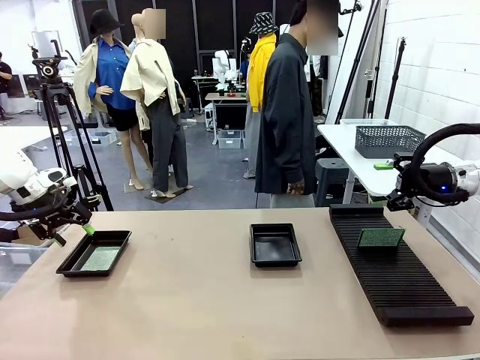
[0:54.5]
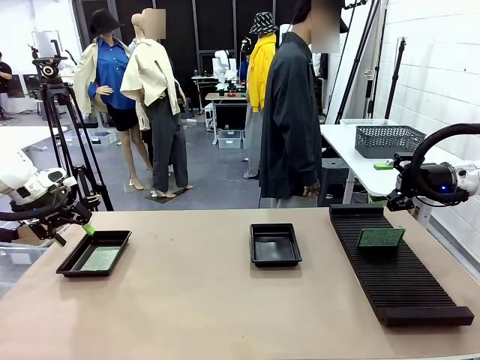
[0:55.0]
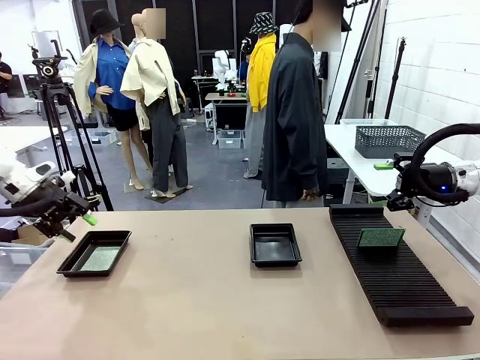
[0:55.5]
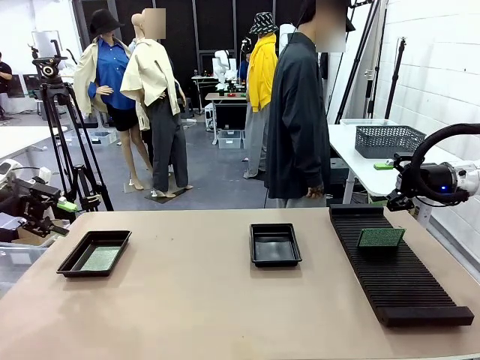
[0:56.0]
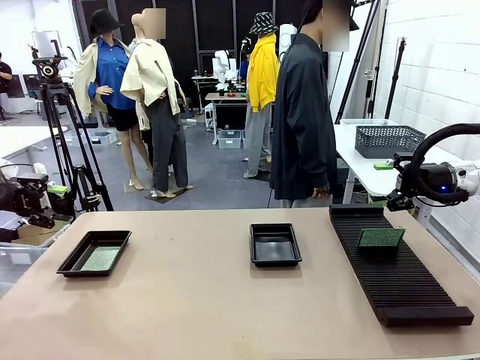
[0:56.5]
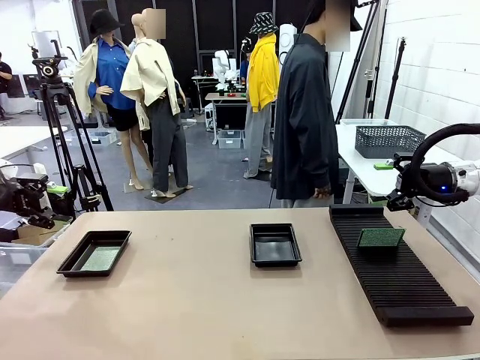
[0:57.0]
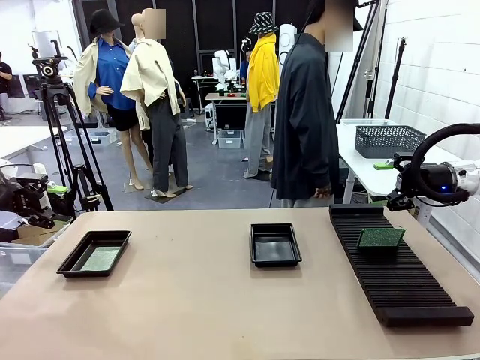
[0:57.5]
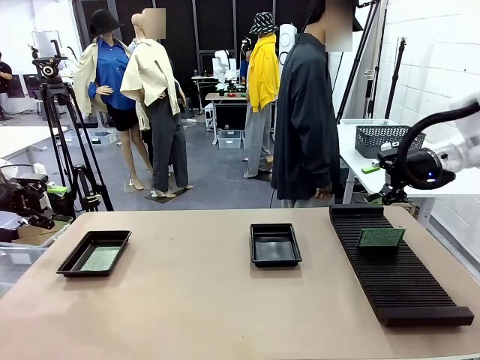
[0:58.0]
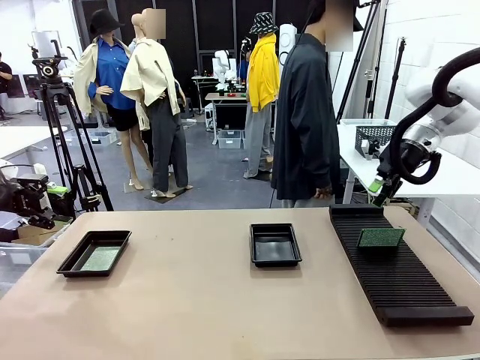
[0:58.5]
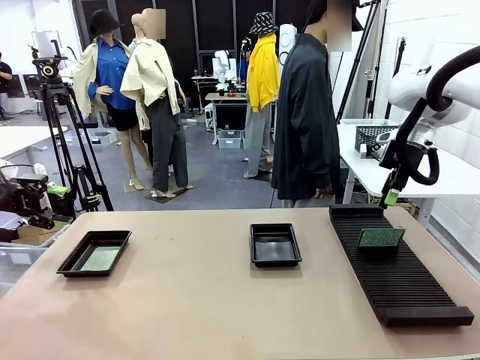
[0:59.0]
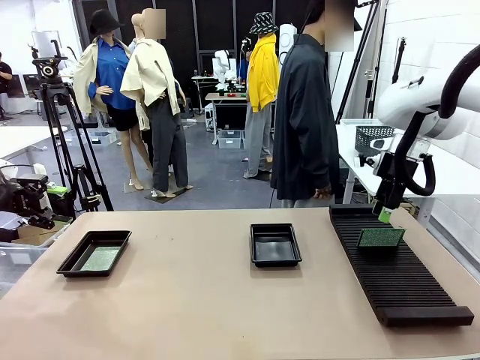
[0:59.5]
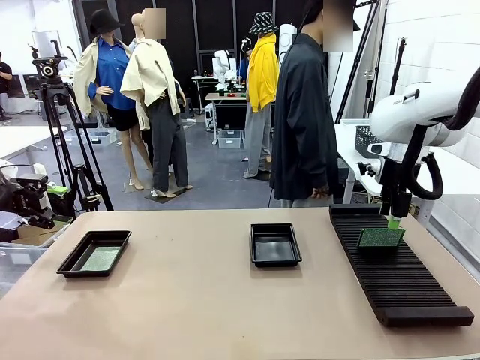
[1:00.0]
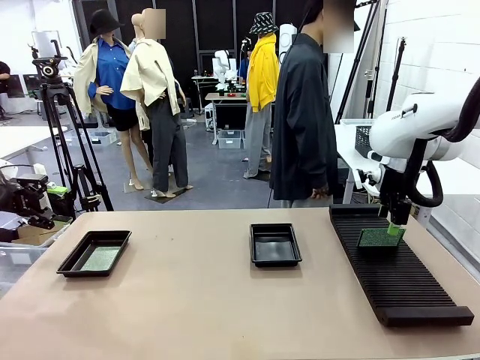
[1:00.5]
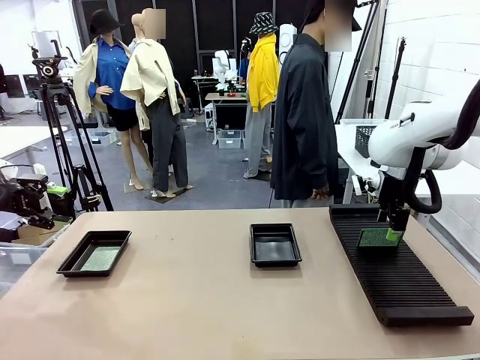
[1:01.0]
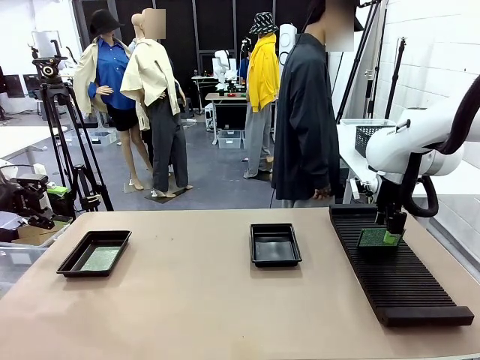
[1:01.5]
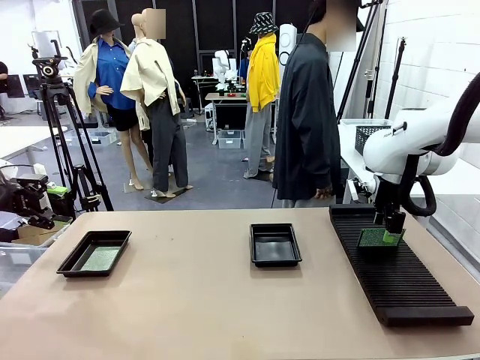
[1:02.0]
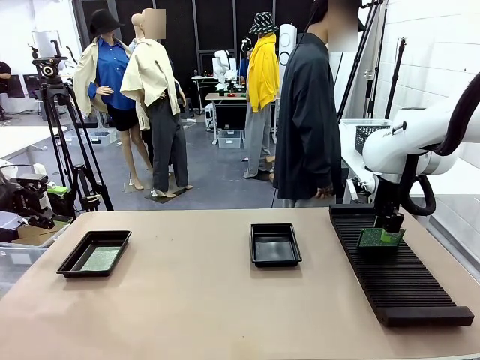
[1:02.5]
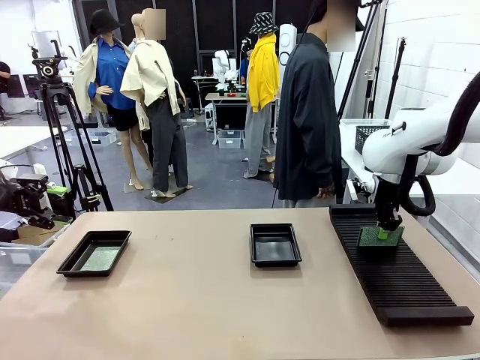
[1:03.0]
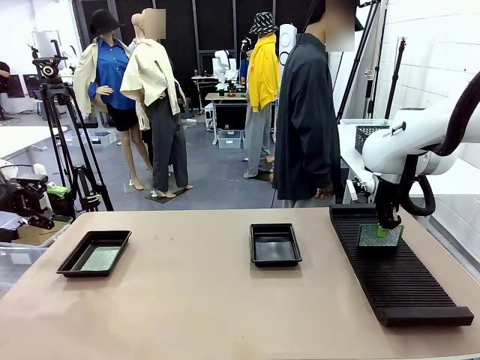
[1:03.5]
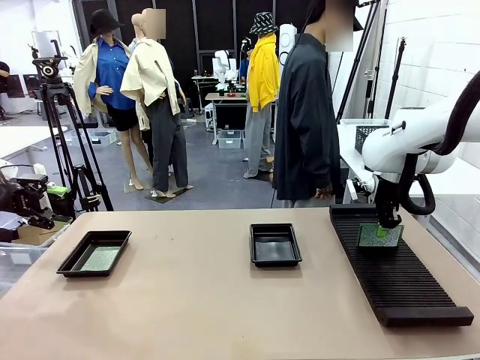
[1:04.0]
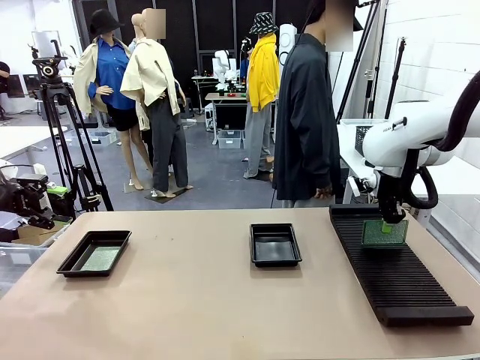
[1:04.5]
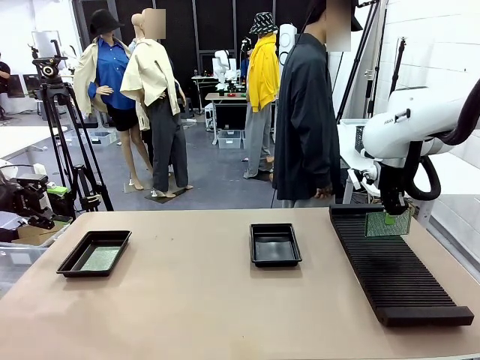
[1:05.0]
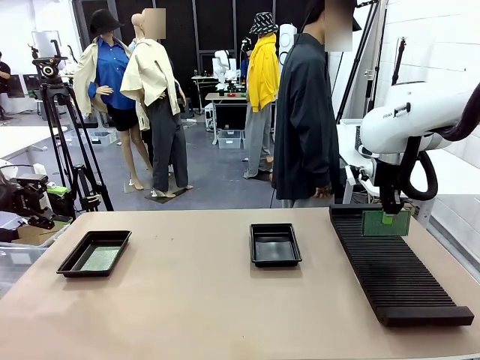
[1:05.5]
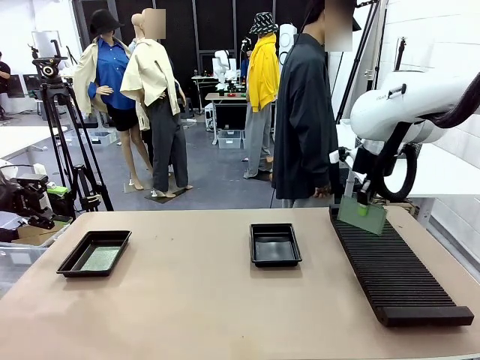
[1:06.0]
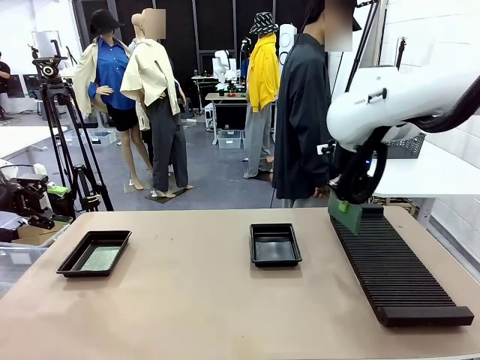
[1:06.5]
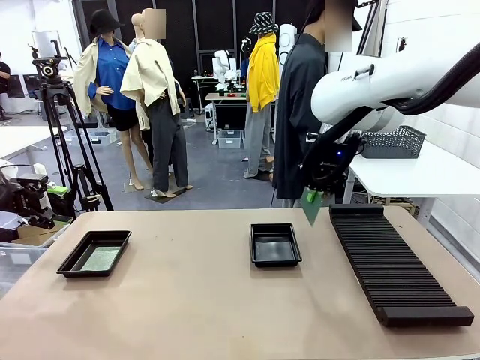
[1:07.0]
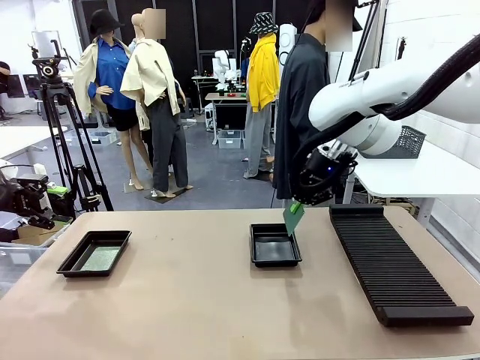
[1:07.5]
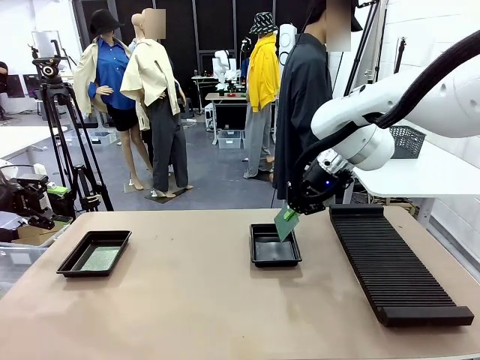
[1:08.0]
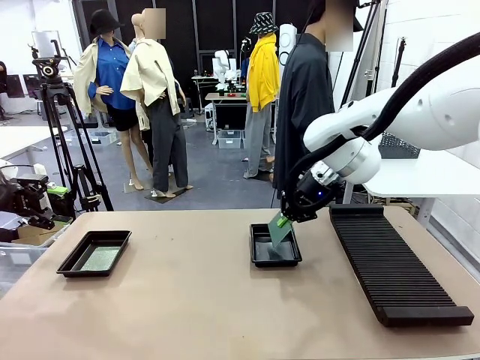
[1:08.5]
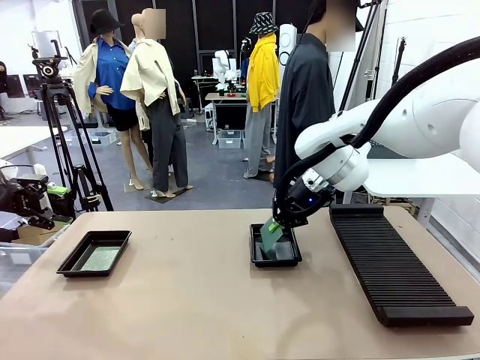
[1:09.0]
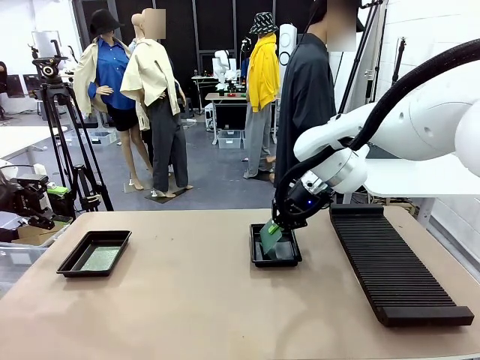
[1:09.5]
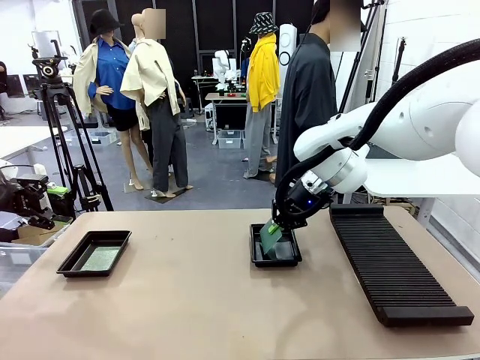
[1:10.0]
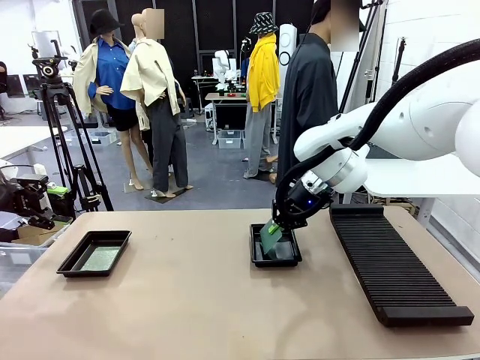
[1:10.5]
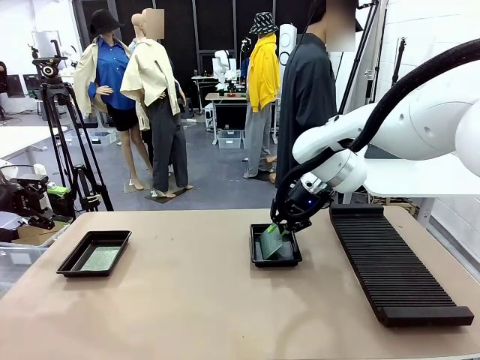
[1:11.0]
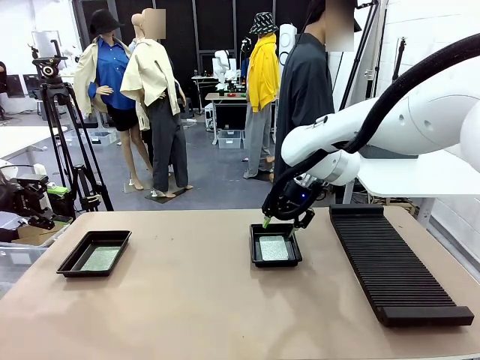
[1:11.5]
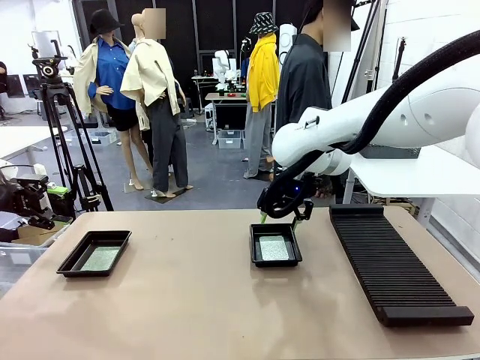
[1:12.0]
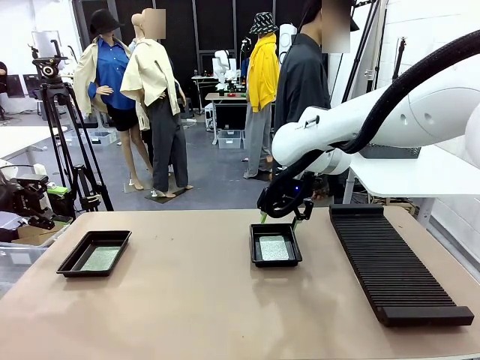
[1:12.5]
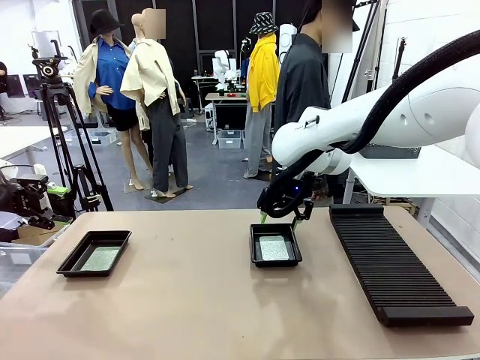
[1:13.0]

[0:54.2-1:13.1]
Task: Inspect and transfer BCBs to ESD trays.
Robot: Pick up the Blank PCB from the PCB Rack and place it in the right ESD tray.
